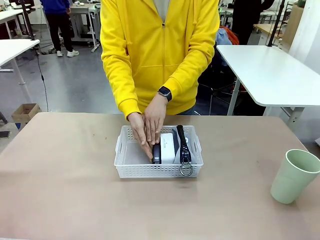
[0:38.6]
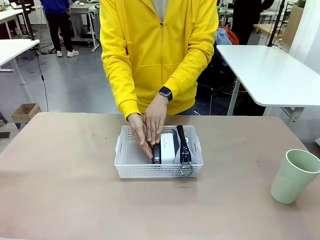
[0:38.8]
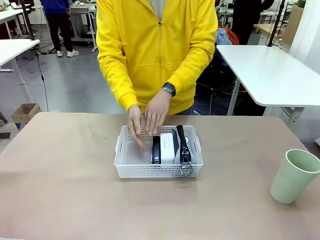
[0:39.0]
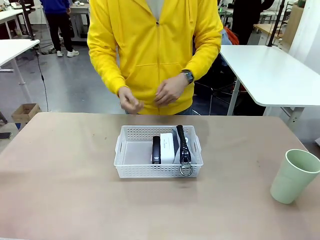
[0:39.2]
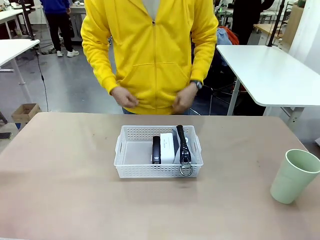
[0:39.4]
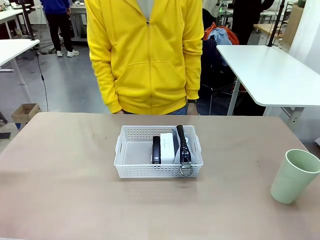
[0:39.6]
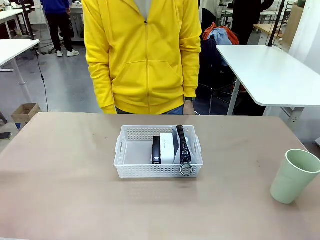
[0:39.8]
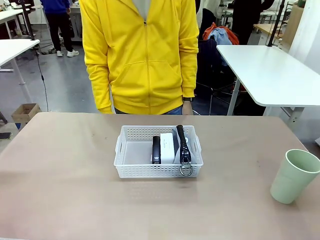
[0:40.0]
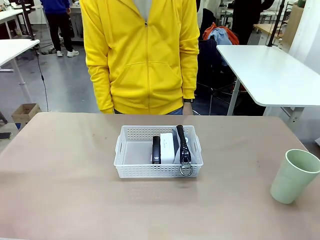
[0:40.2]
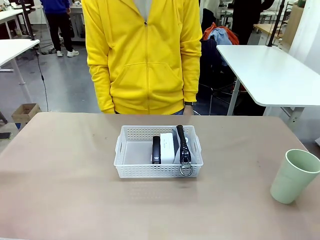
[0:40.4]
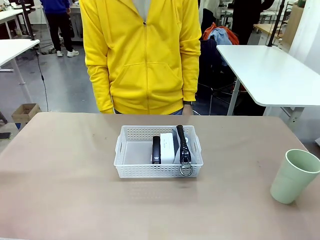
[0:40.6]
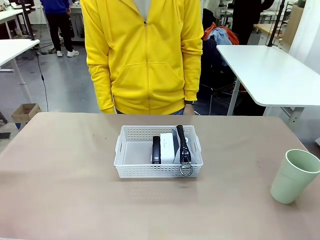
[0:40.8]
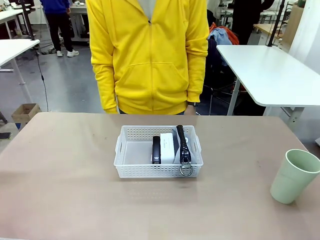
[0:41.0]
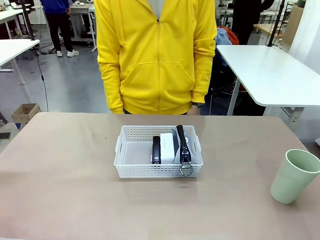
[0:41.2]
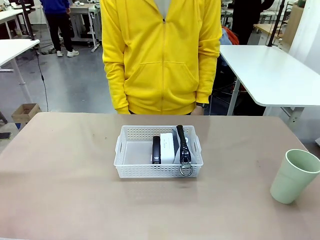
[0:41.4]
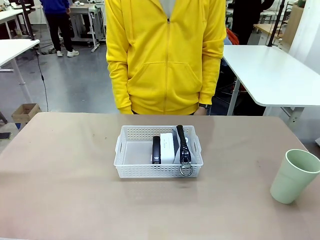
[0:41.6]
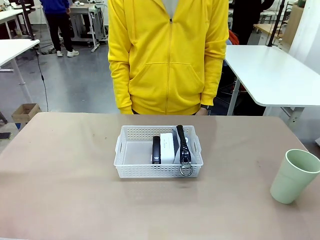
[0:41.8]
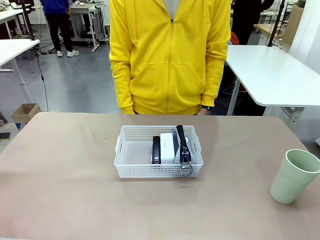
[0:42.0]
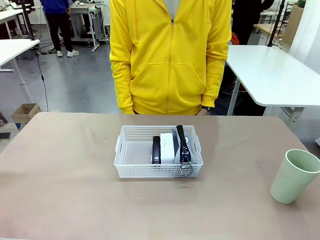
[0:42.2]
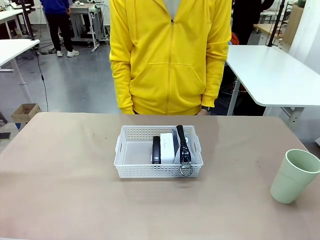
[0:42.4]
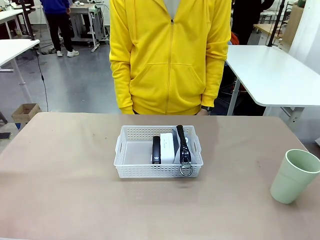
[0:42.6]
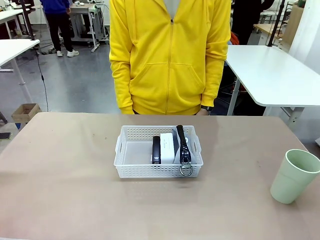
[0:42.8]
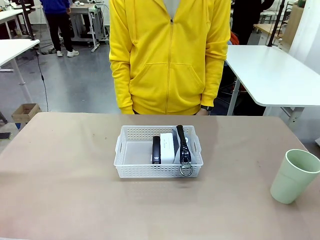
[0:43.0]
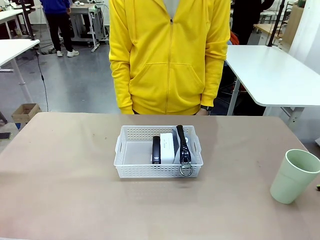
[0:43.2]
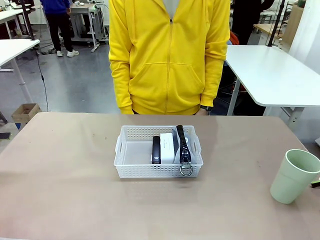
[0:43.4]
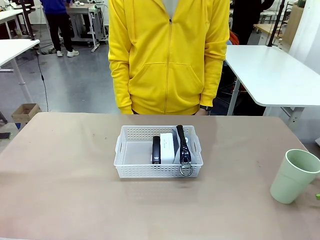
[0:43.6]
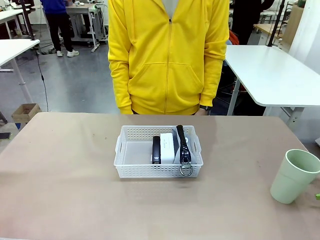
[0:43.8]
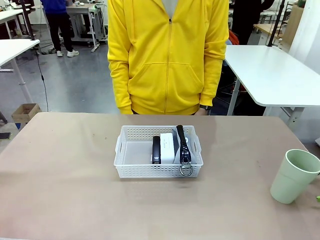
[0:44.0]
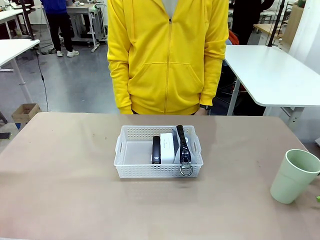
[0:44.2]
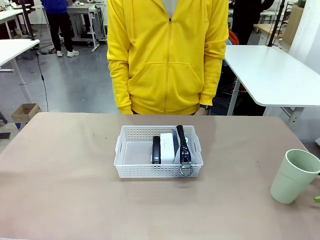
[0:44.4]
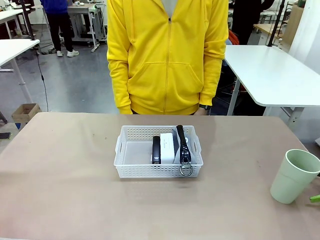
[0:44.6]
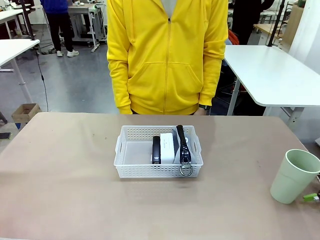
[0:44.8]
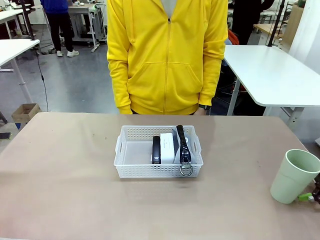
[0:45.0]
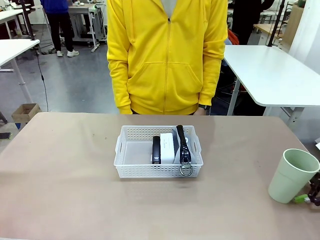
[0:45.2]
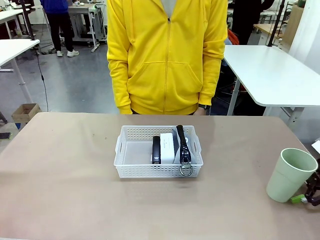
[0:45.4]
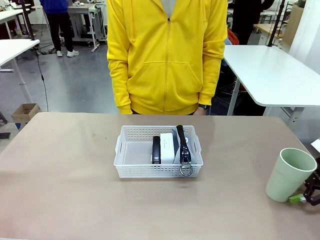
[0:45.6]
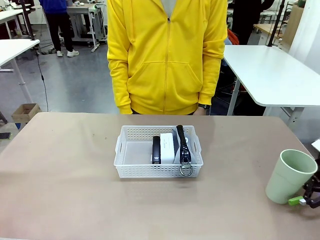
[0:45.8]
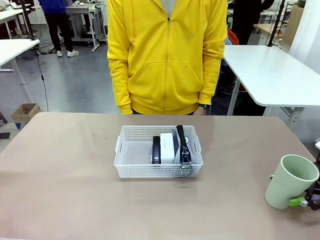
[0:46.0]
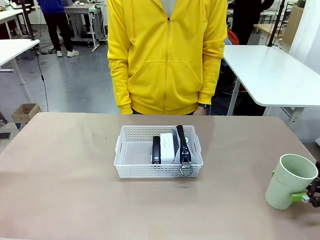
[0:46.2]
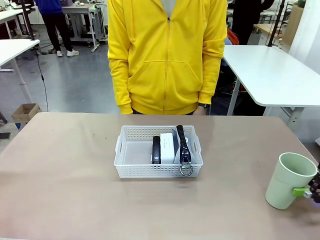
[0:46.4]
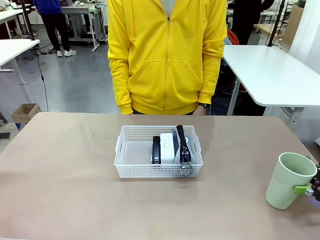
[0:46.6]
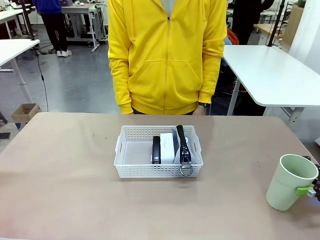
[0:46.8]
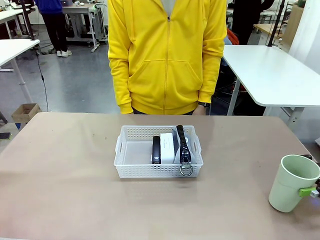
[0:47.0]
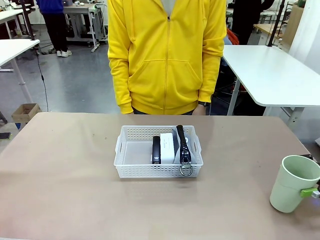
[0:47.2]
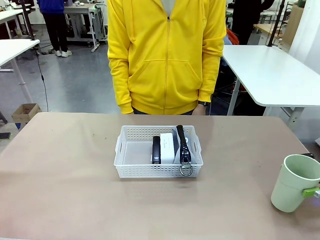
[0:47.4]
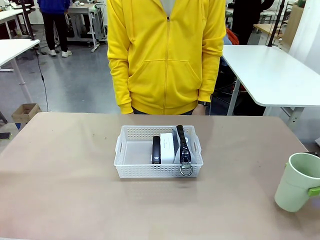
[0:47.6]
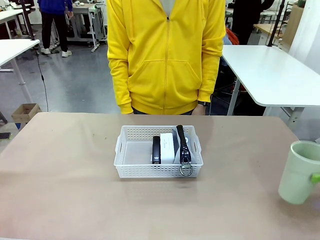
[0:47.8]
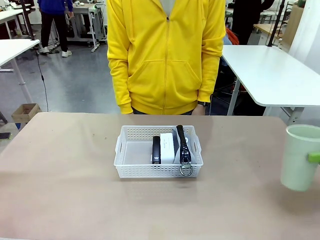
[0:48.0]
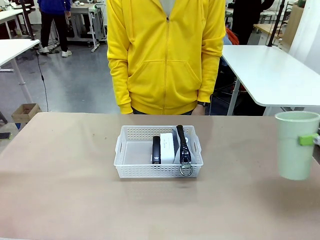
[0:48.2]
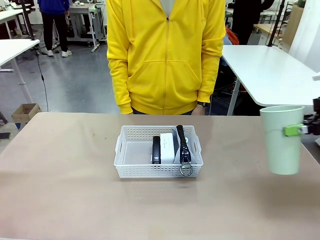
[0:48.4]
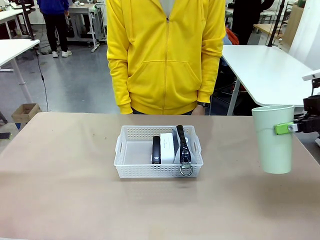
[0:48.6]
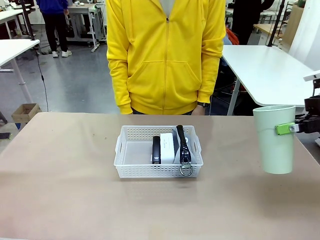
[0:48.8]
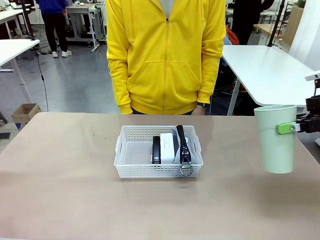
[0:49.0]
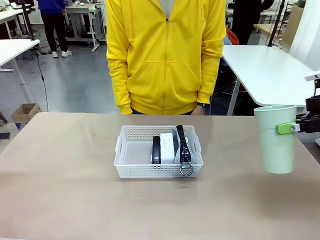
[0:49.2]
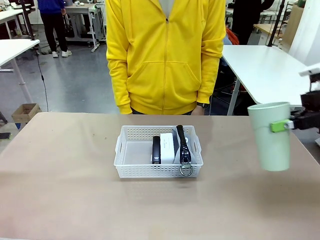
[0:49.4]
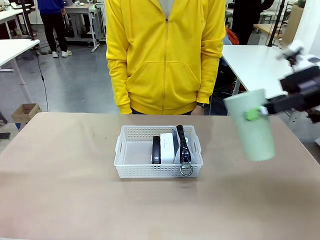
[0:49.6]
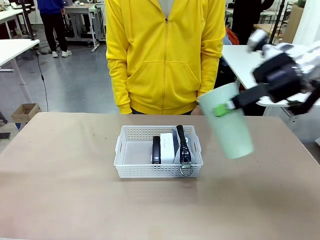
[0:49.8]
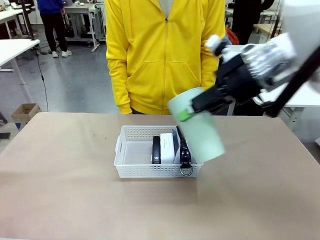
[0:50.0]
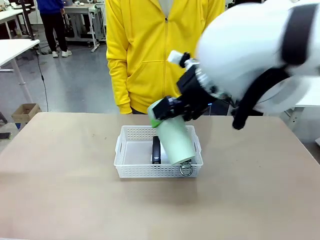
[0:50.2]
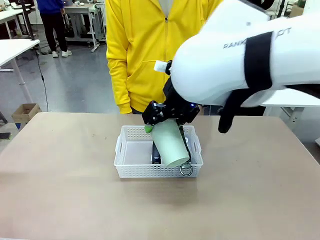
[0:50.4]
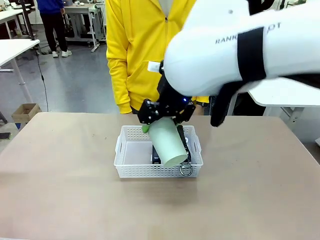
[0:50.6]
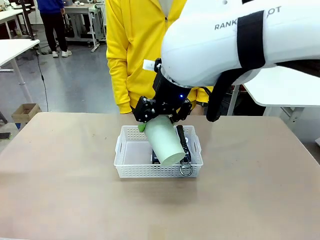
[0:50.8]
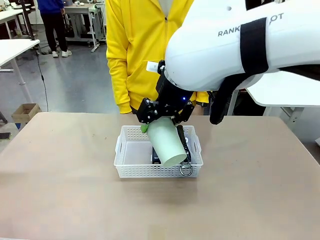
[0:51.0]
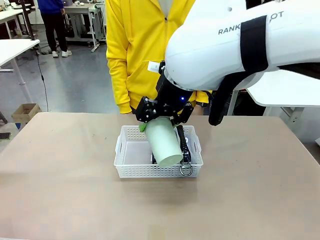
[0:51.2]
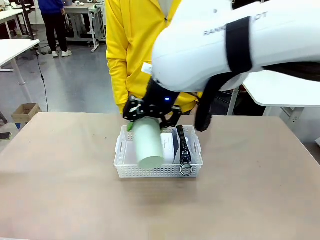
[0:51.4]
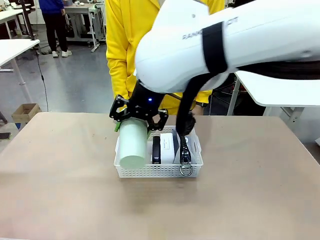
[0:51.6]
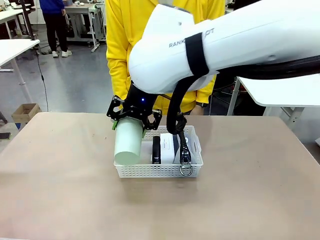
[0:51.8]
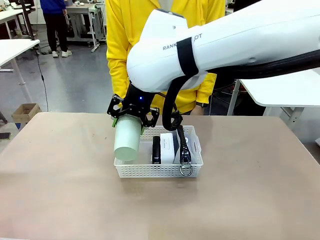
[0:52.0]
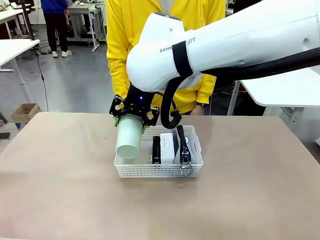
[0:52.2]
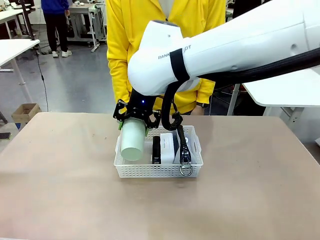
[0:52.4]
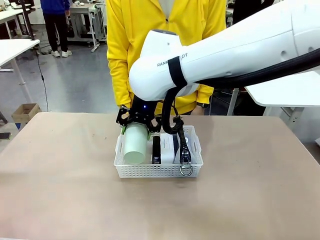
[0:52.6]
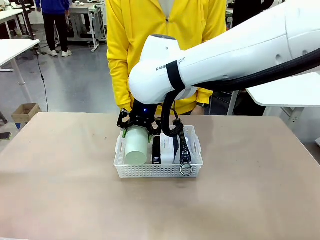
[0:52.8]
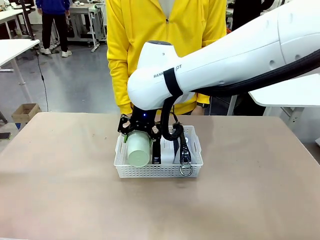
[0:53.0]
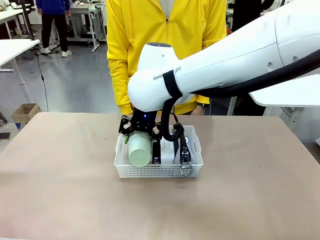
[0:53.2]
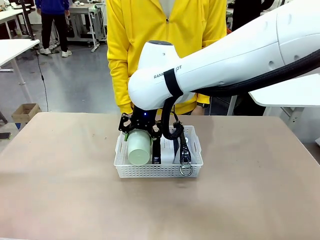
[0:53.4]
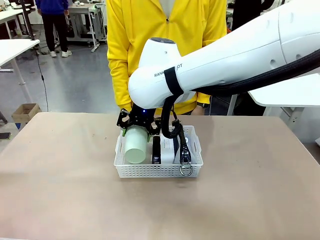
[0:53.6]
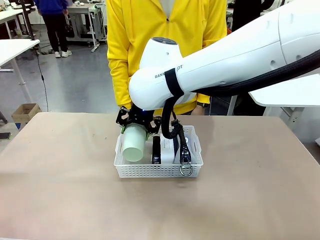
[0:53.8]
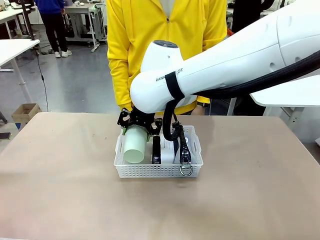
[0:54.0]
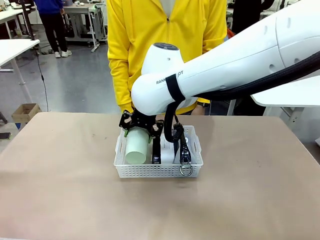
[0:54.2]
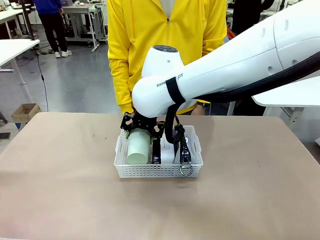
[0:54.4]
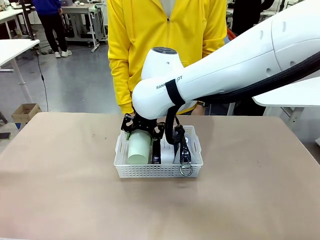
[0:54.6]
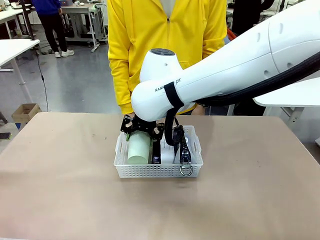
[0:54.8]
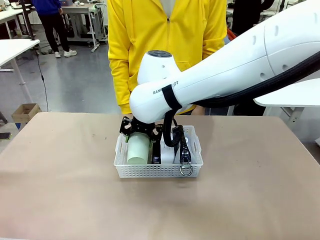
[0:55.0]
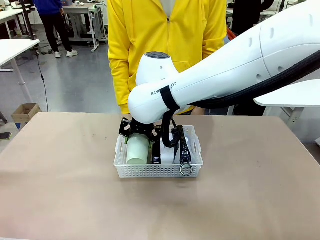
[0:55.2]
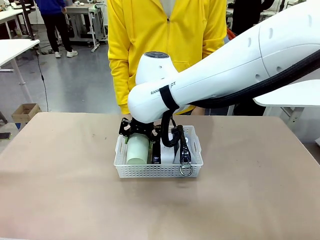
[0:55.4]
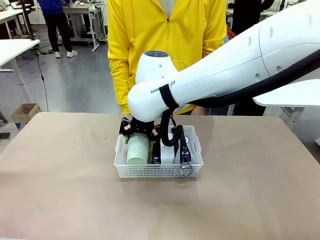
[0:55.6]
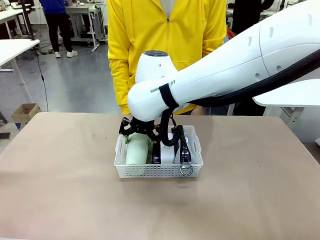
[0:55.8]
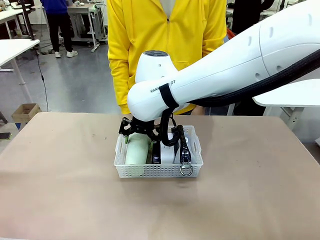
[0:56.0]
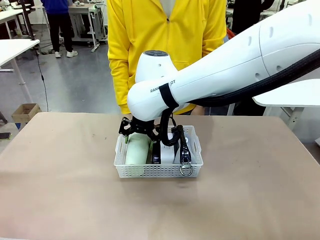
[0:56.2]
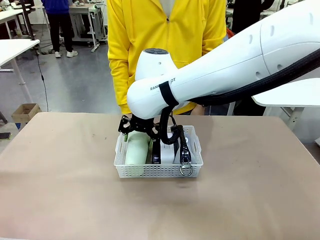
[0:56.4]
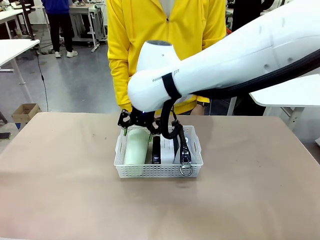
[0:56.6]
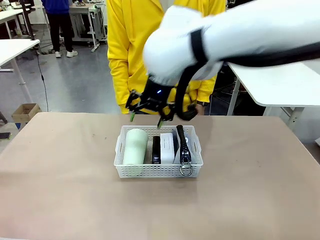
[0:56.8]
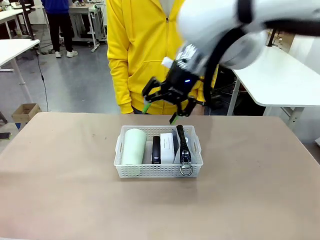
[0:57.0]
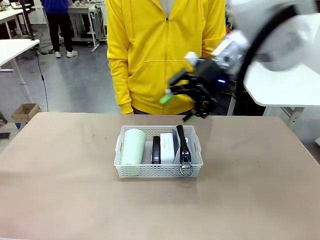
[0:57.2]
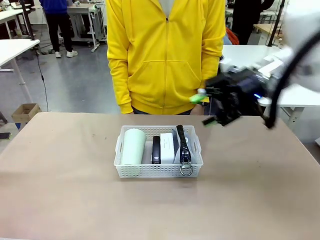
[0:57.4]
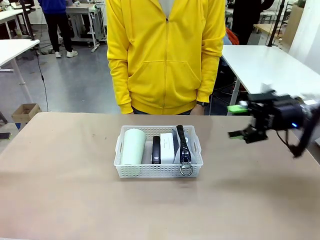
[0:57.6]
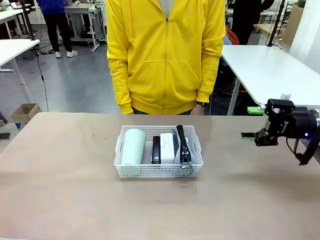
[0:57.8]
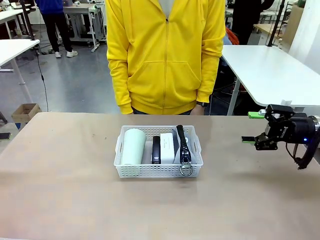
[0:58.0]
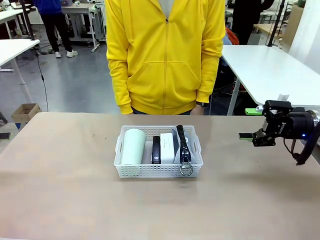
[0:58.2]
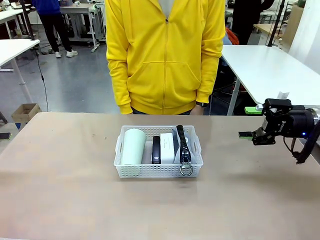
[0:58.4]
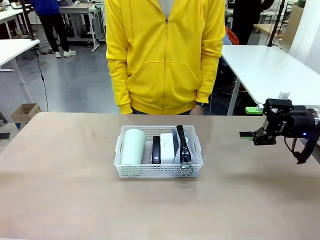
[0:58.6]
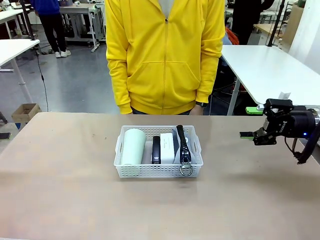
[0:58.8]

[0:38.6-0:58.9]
Task: Efficiently arrange items inside the basket to fit them all.
Robot: Pick up the Reusable plastic cup and place it inside the Organizing basket.
Person: Repositions the stapler.
